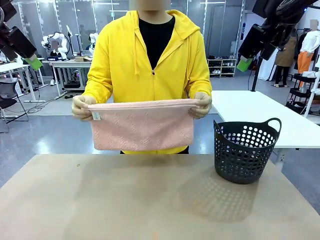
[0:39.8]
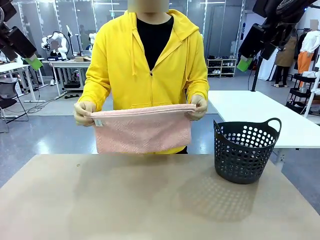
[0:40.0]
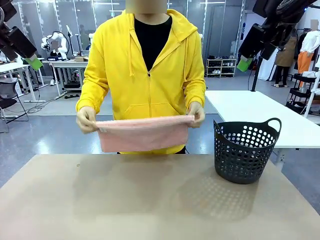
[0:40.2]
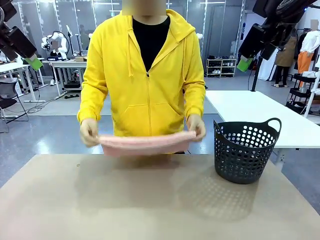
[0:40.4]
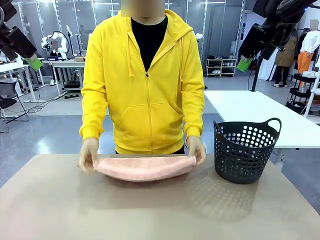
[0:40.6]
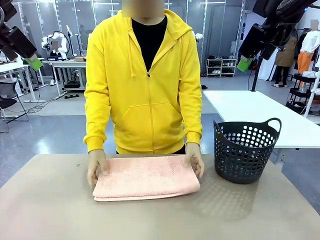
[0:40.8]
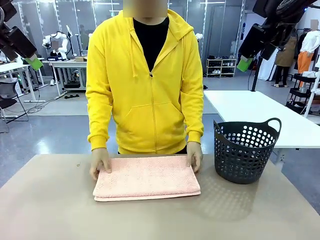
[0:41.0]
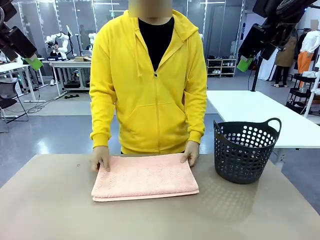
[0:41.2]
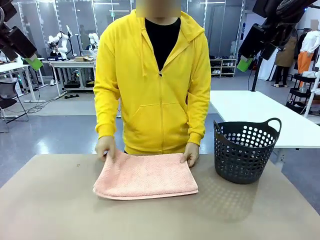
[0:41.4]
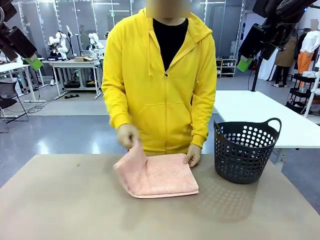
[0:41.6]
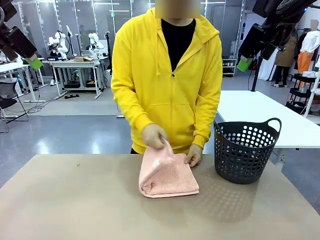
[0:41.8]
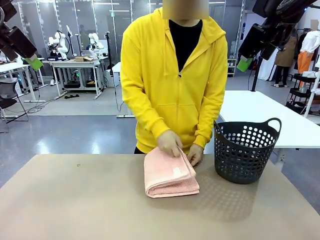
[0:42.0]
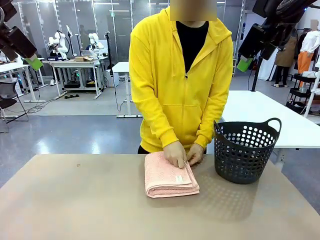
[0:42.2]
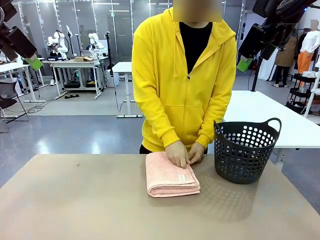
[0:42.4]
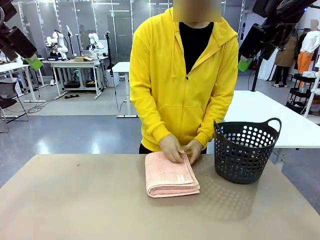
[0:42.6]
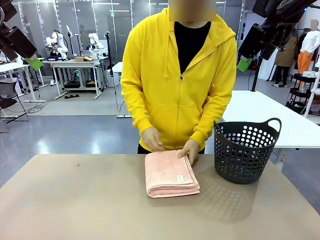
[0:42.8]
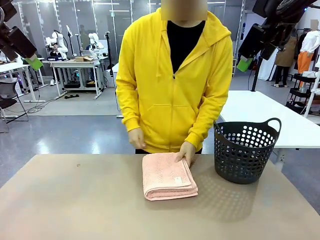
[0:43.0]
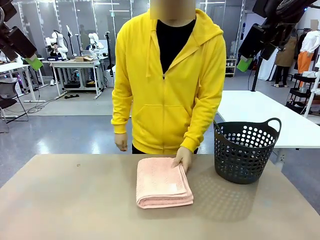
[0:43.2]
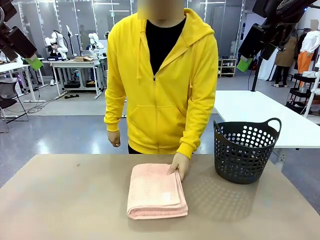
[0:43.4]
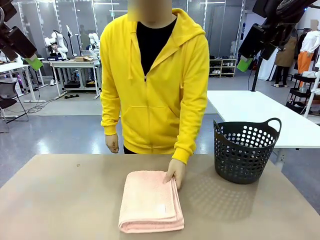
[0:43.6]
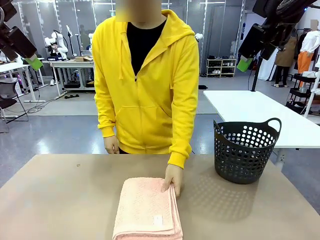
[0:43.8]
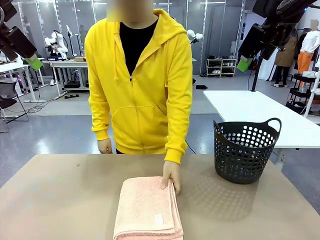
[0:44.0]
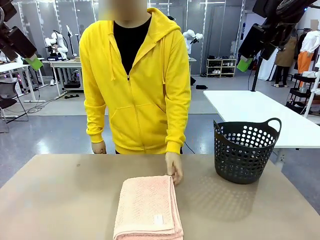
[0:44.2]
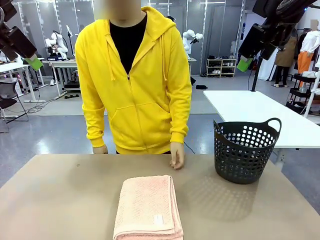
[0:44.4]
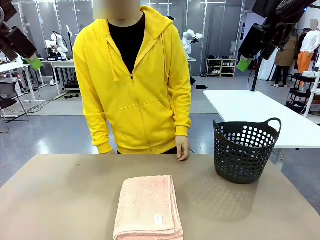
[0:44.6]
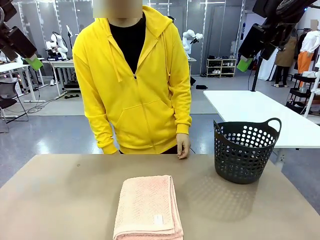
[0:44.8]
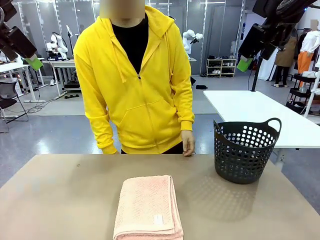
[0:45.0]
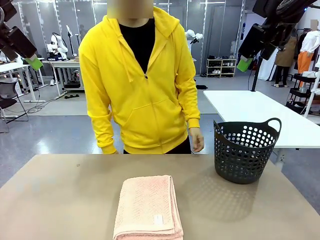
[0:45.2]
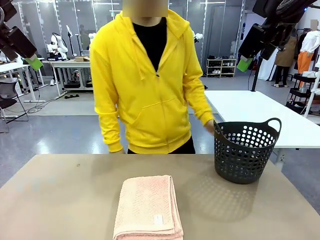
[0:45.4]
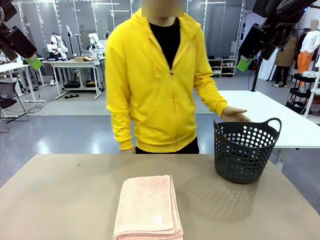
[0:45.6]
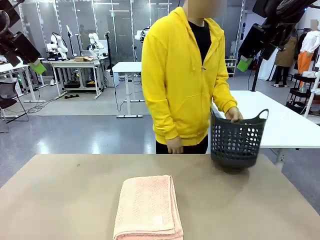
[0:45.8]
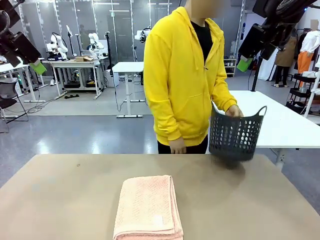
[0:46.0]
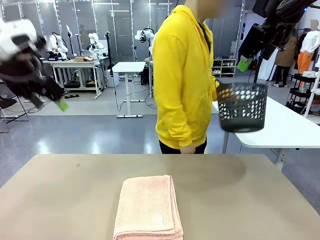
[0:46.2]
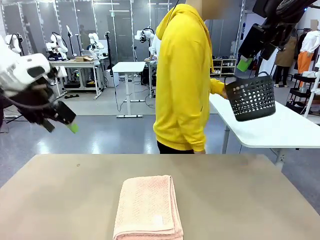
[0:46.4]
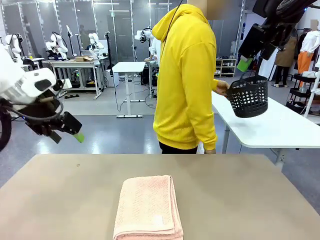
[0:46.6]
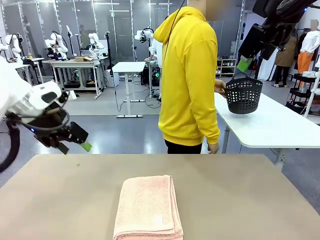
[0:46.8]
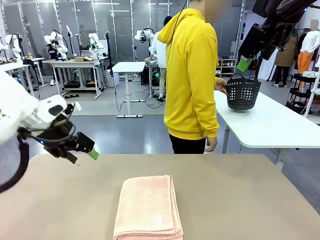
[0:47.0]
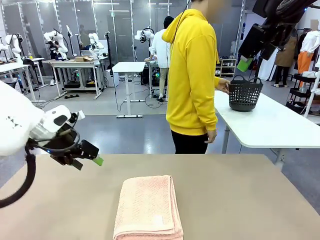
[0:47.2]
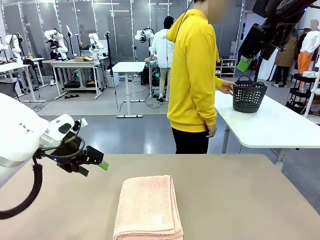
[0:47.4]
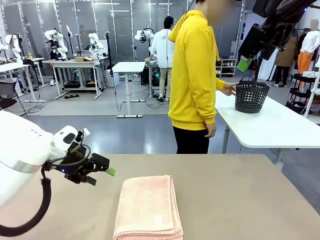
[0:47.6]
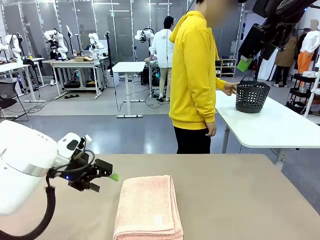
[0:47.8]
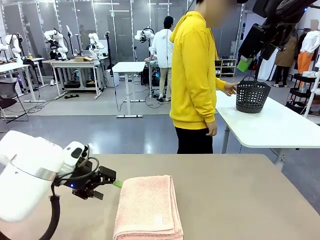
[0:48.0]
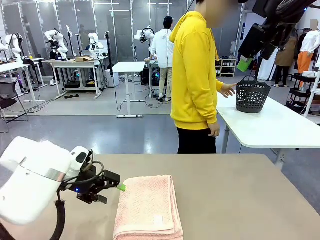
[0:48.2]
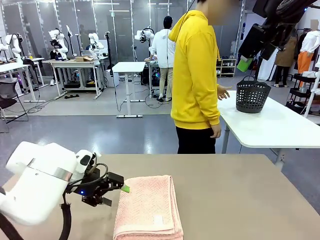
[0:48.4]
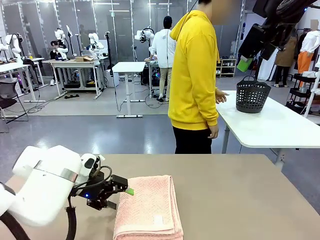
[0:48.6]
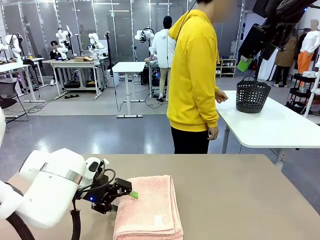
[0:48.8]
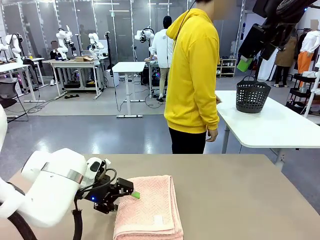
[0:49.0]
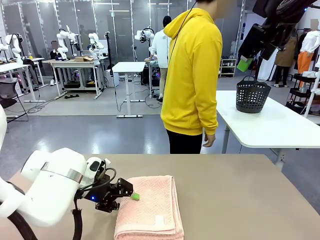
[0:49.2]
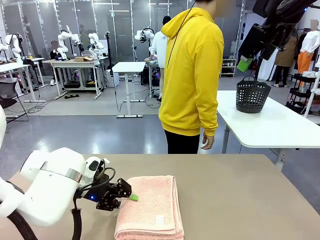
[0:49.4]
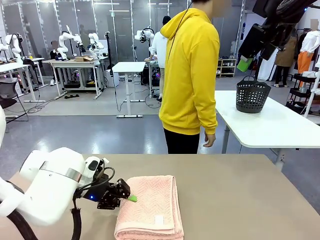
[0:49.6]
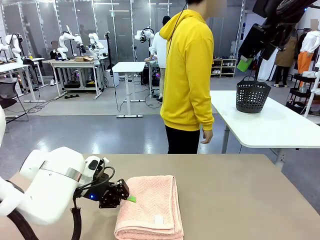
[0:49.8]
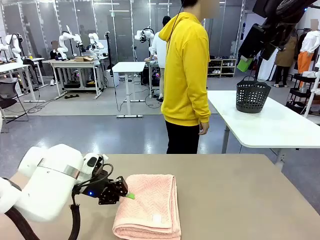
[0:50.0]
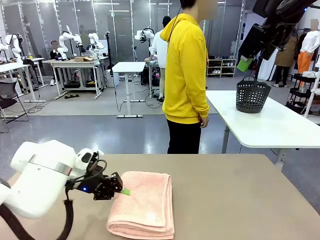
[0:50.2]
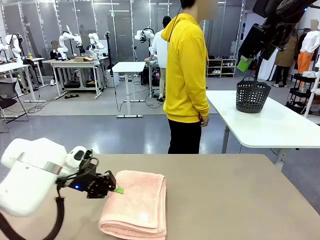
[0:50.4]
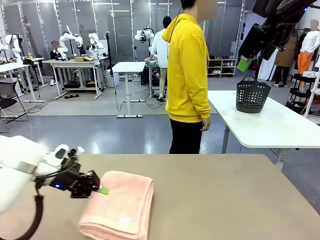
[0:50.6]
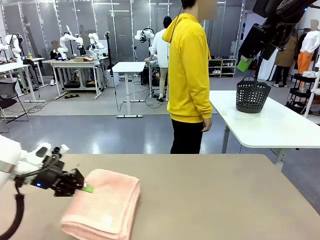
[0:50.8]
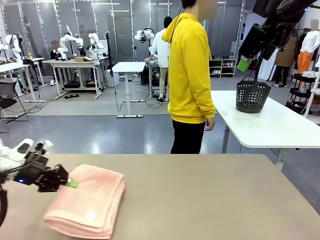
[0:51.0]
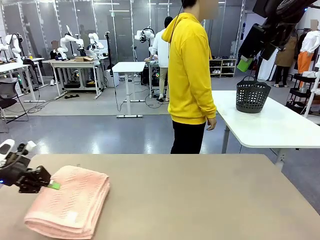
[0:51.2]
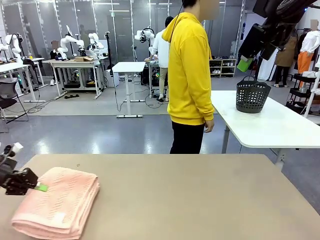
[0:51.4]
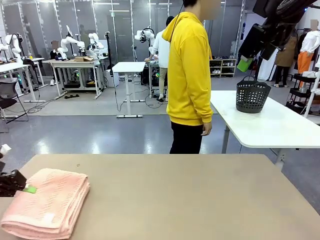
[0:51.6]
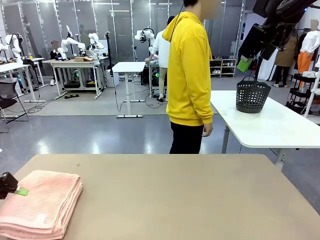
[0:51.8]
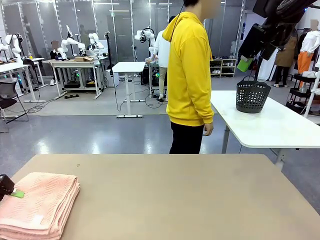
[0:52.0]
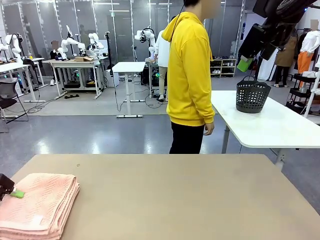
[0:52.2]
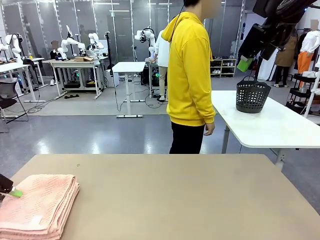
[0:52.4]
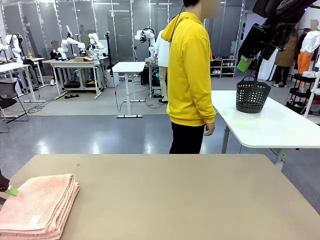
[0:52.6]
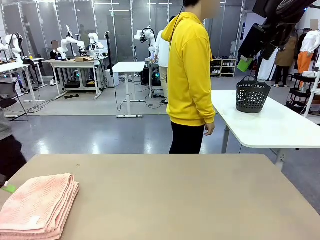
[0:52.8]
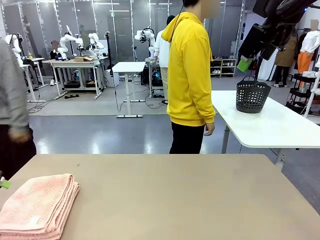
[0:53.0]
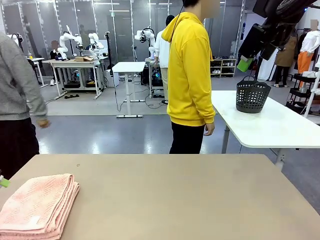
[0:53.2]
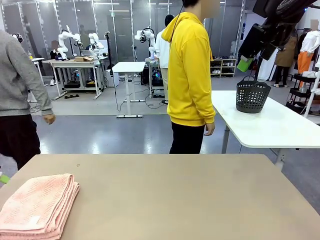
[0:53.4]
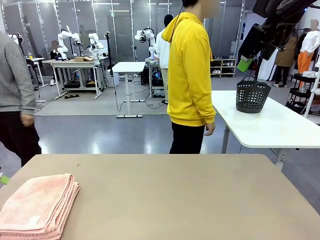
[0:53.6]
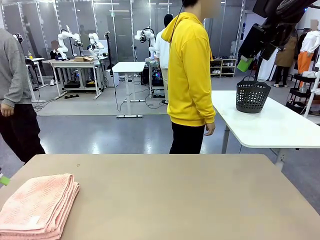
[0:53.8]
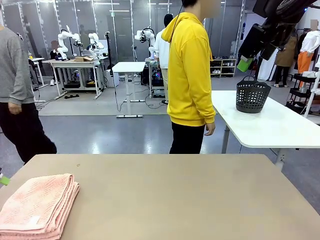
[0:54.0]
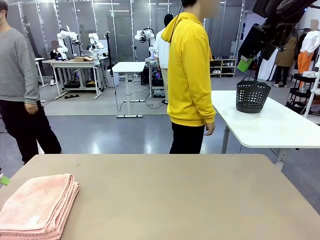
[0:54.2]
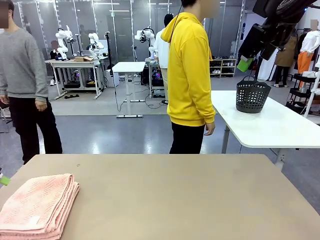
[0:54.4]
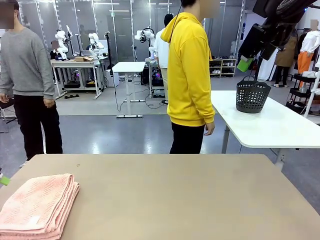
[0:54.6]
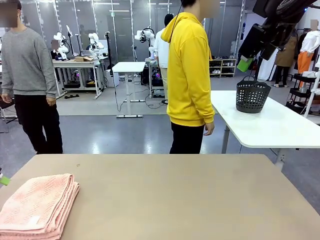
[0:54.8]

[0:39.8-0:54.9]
Task: Fold the towel.
Robot: Pick up the 100 cm Hotel Towel and place it on the left side of the table.
Person: Place the towel at the center of the robot table and fold it in half. Pick up the laundry basket and place it at the center of the human table.

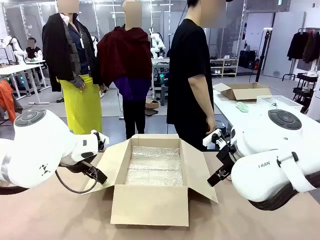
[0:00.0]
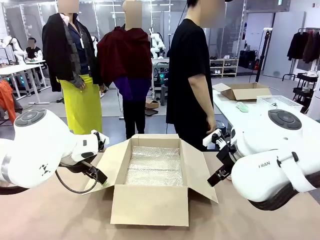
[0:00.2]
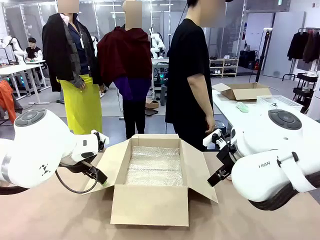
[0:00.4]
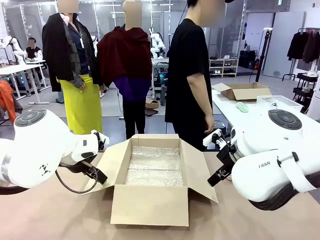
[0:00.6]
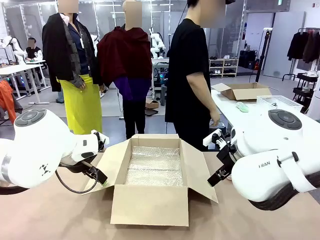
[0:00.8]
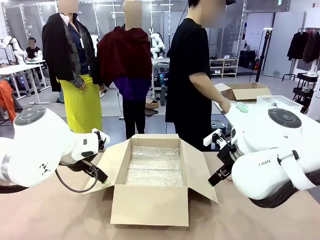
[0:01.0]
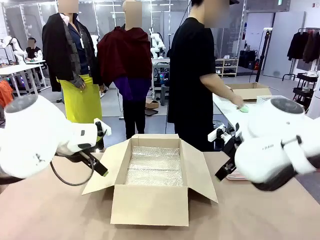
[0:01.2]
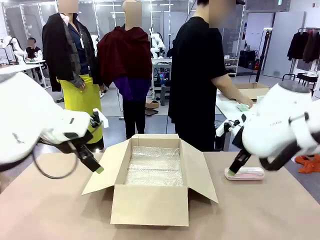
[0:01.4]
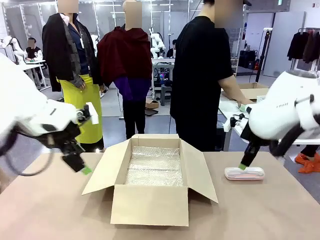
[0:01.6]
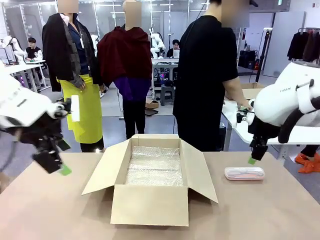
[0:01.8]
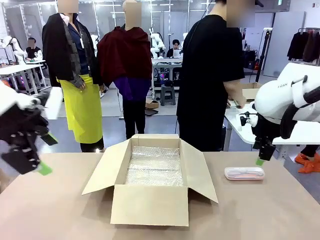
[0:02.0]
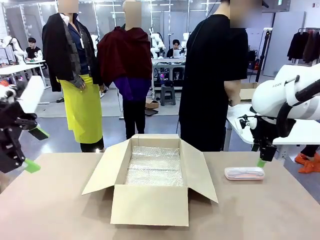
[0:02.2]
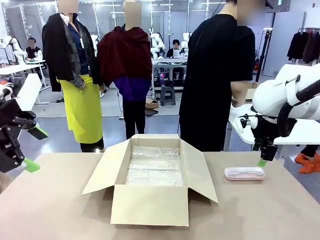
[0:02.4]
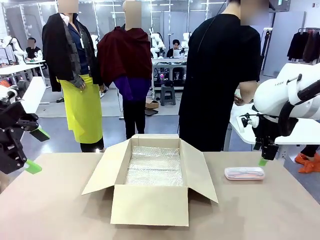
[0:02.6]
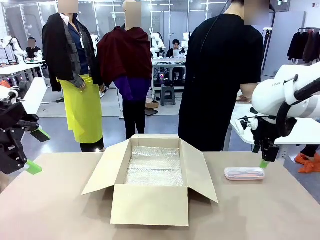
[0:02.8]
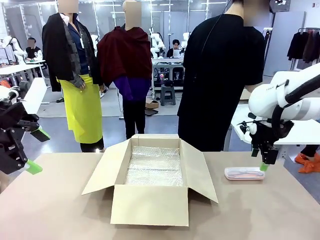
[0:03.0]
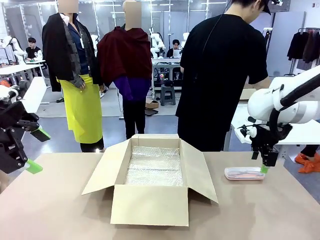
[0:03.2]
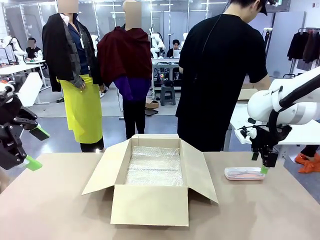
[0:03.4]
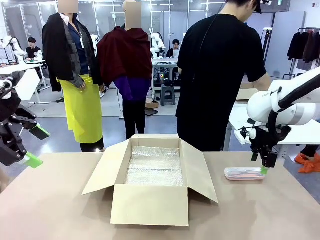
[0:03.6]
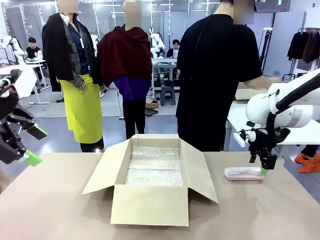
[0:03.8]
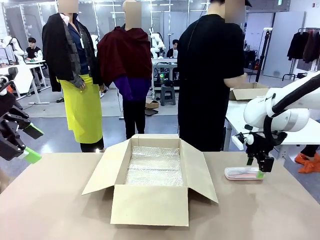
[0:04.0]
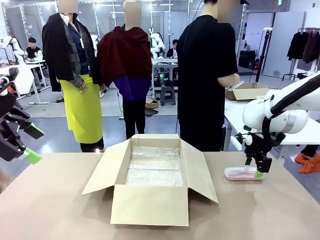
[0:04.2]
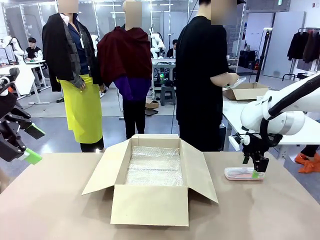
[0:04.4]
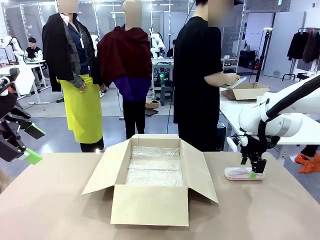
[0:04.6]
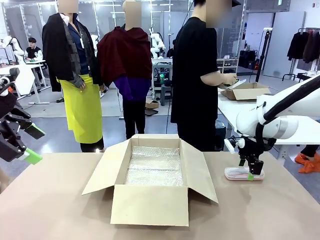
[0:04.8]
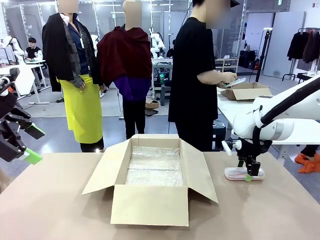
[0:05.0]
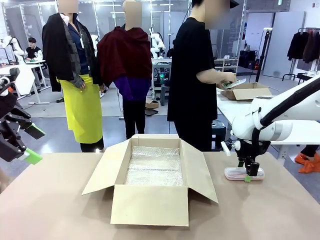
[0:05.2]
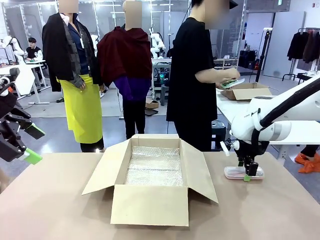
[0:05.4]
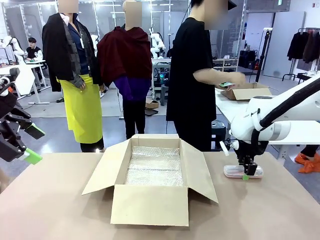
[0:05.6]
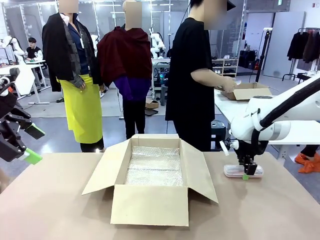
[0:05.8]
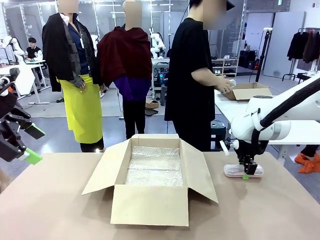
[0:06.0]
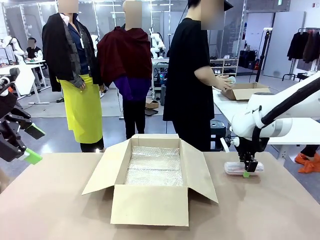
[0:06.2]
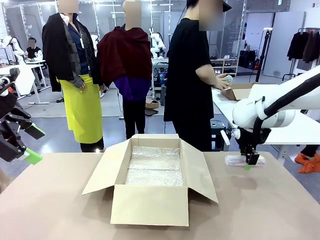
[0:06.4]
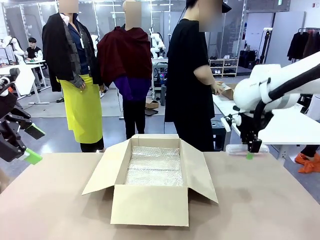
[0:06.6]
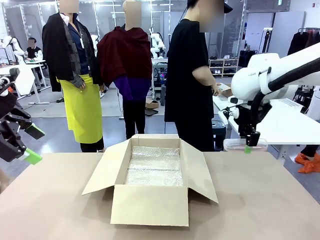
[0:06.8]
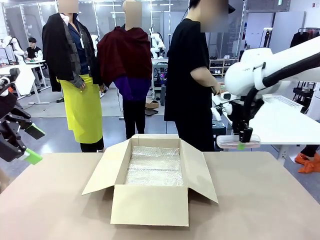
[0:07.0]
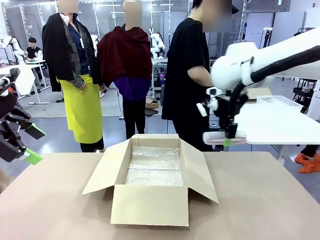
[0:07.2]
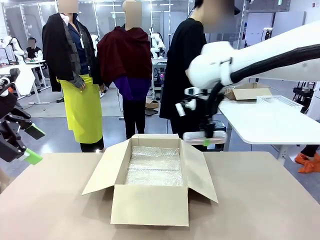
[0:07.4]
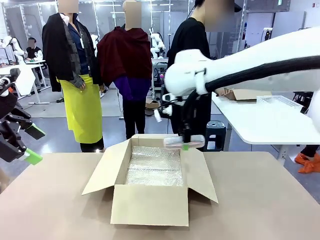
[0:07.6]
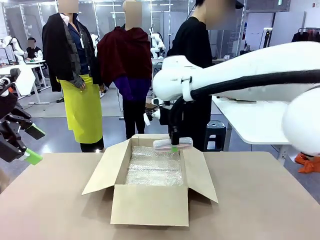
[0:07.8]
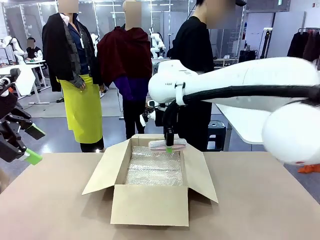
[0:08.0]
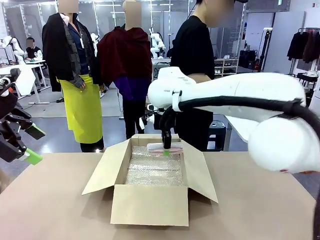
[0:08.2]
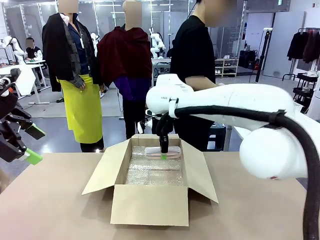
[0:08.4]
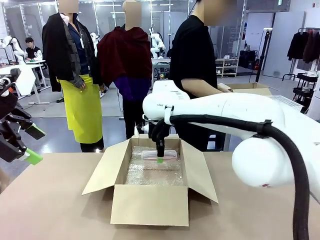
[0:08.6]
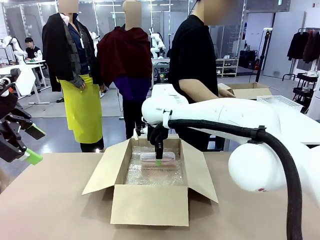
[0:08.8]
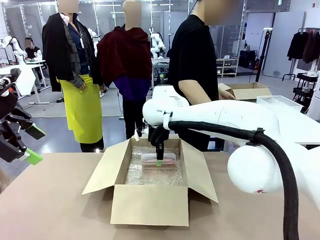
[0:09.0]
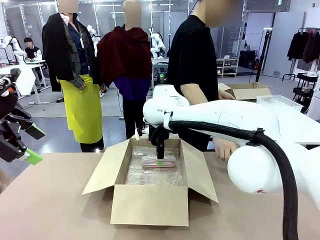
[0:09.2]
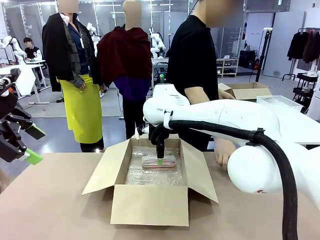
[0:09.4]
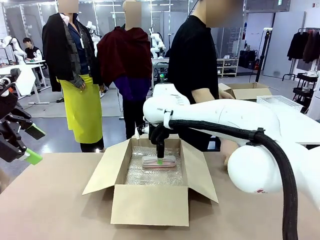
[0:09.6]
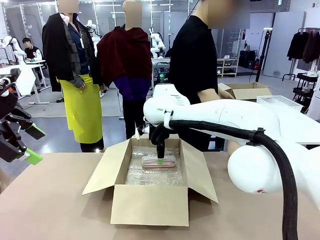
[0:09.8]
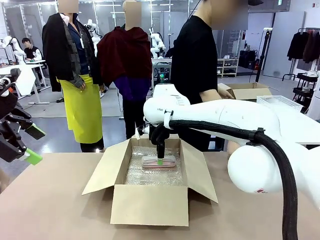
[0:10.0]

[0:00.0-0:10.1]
Task: Pack the glasses set securely to prepare it for shipping.
Robot: Place the Glasses case inside the Package Box.
Person: Place the Glasses inside the Glasses case. Position the Glasses case on the left side of the robot's table.
